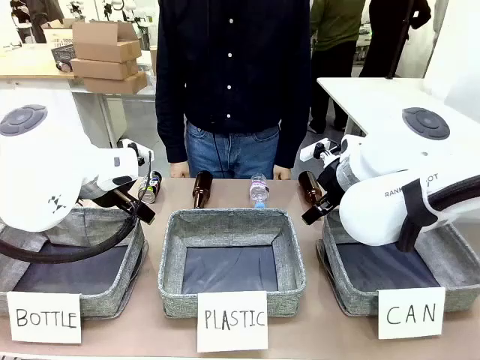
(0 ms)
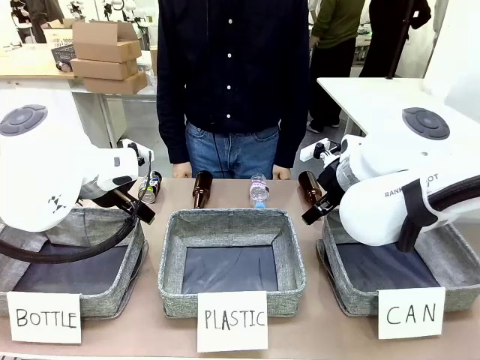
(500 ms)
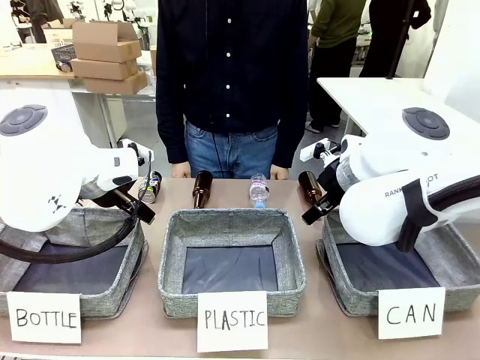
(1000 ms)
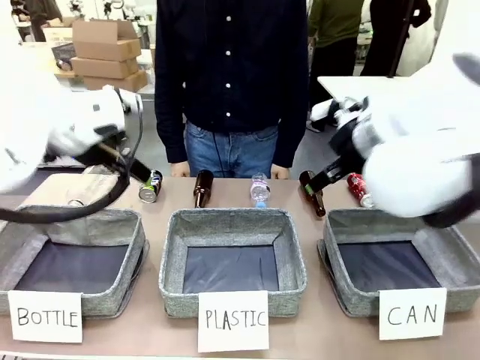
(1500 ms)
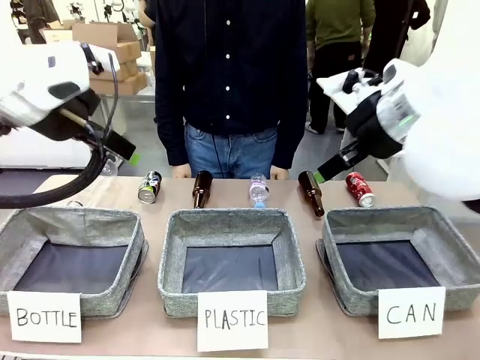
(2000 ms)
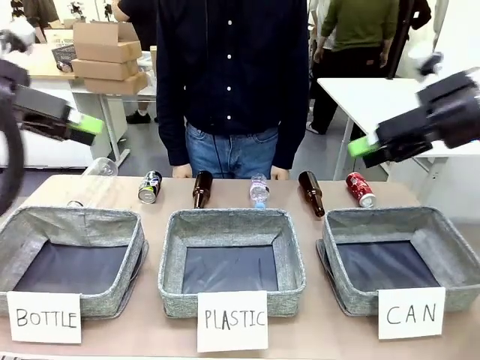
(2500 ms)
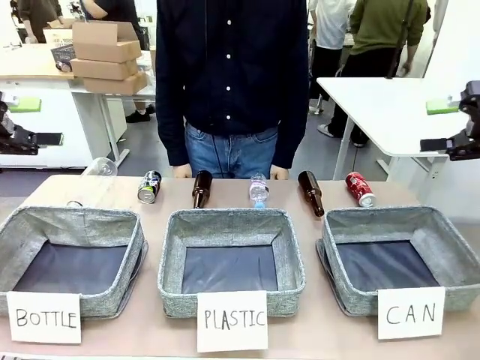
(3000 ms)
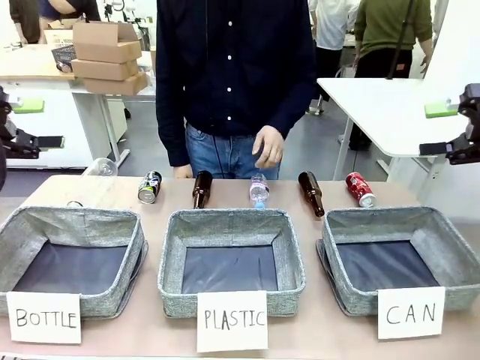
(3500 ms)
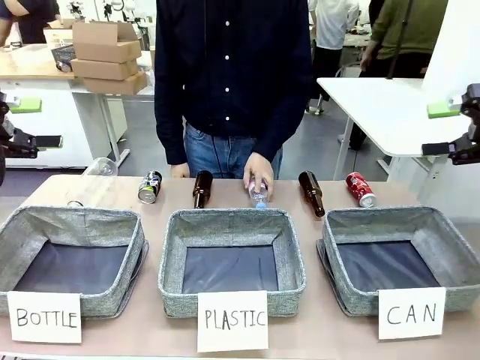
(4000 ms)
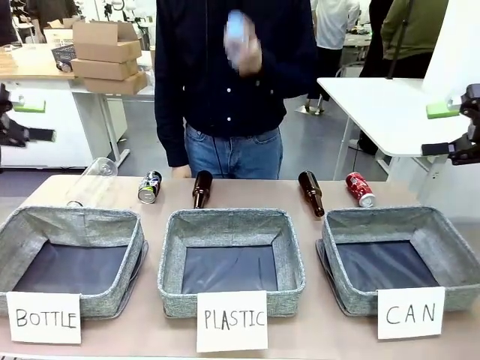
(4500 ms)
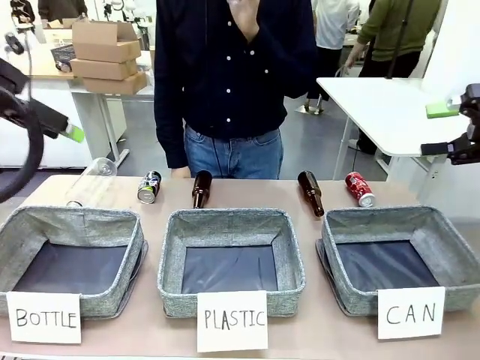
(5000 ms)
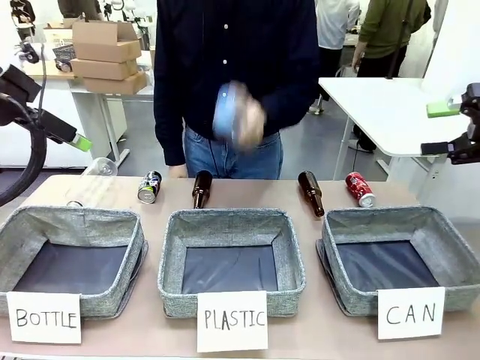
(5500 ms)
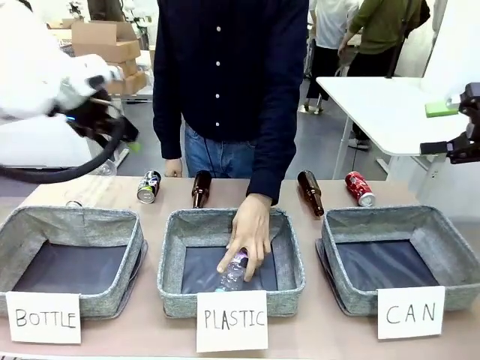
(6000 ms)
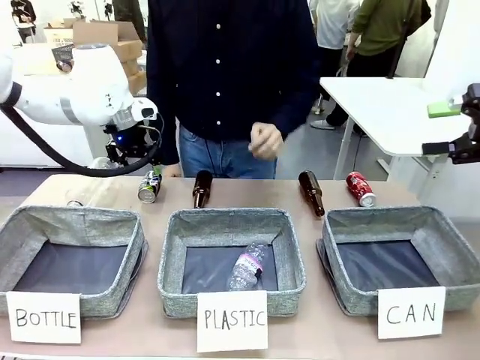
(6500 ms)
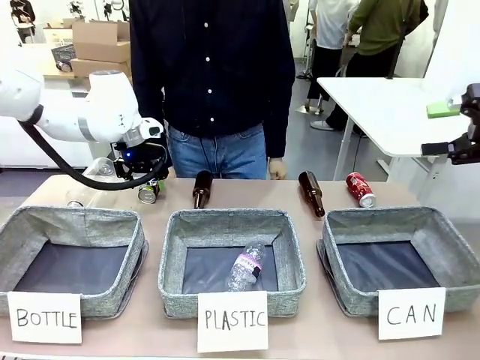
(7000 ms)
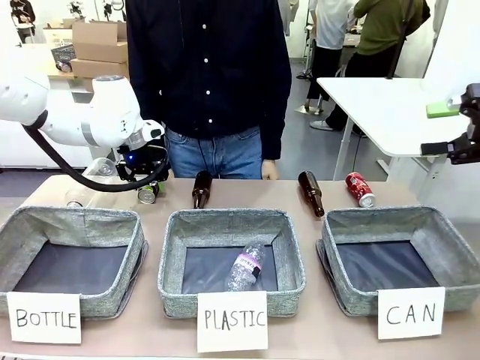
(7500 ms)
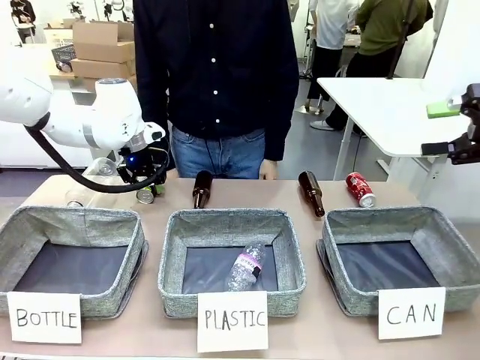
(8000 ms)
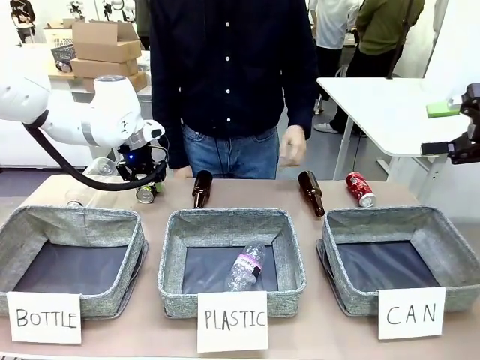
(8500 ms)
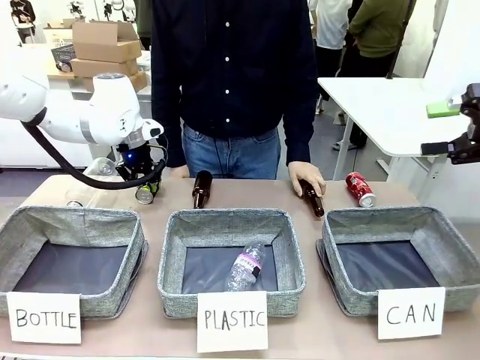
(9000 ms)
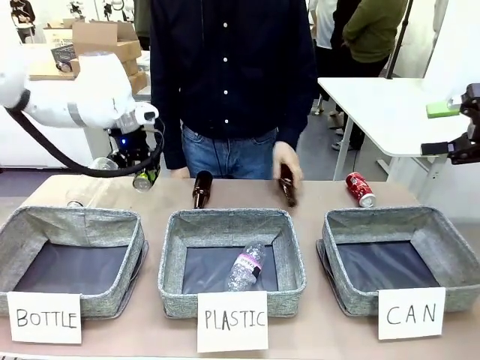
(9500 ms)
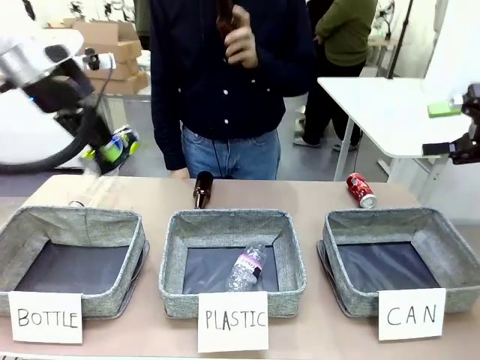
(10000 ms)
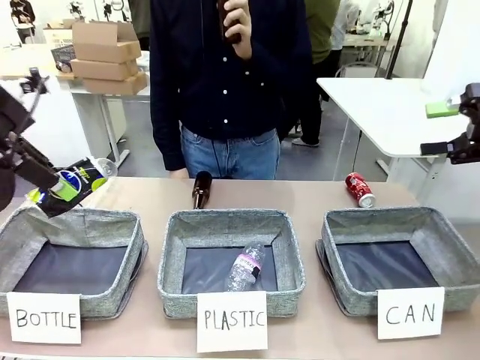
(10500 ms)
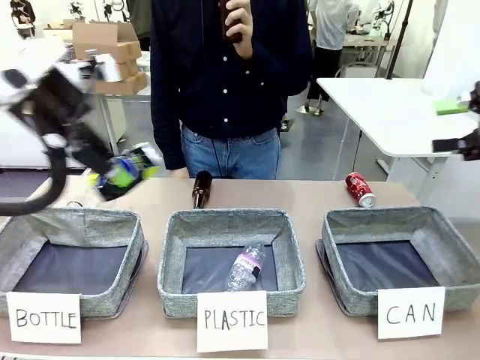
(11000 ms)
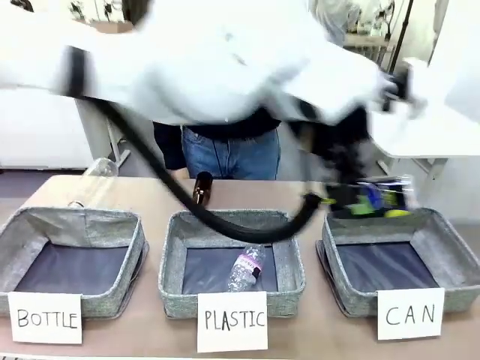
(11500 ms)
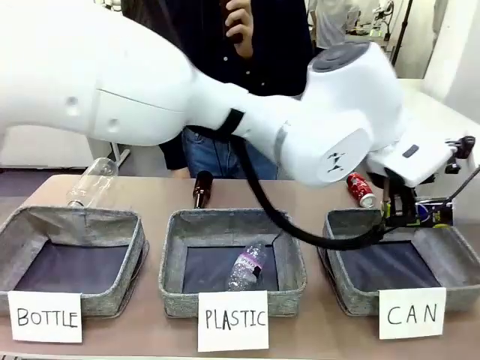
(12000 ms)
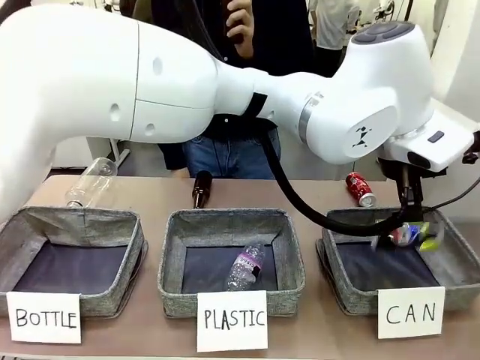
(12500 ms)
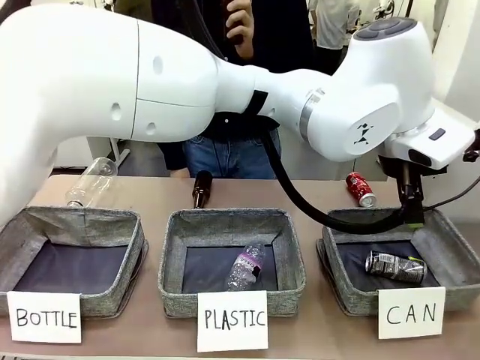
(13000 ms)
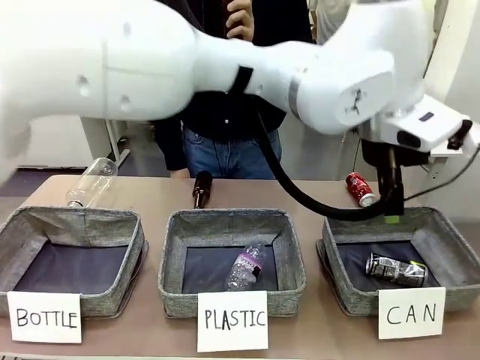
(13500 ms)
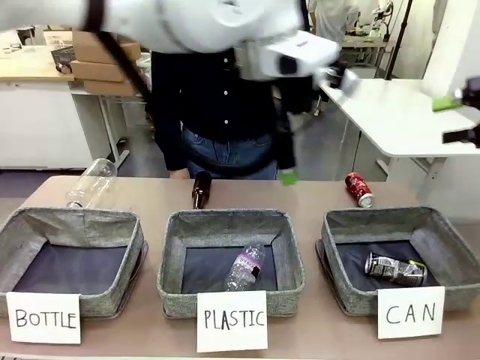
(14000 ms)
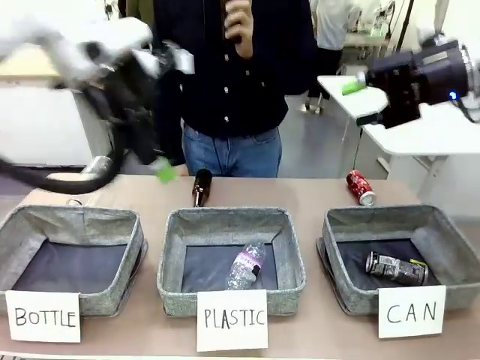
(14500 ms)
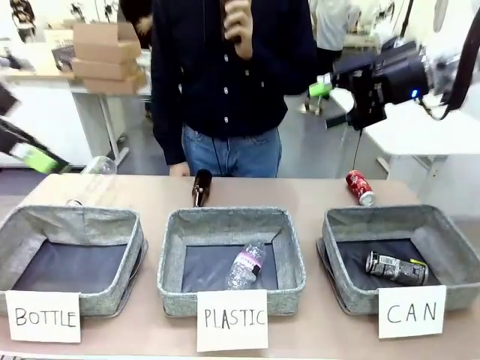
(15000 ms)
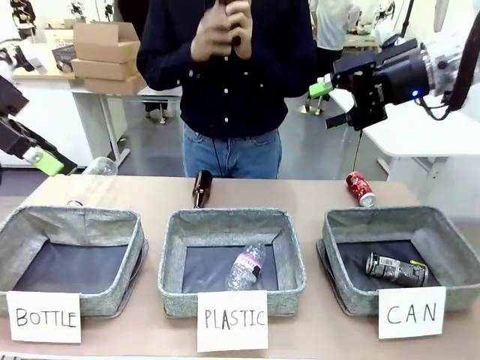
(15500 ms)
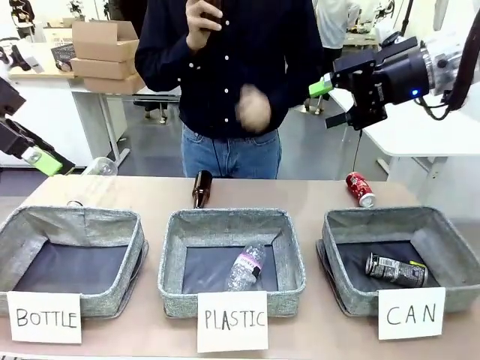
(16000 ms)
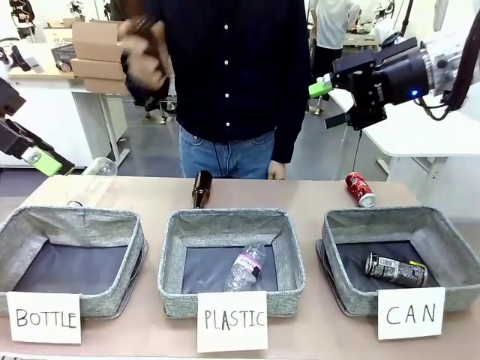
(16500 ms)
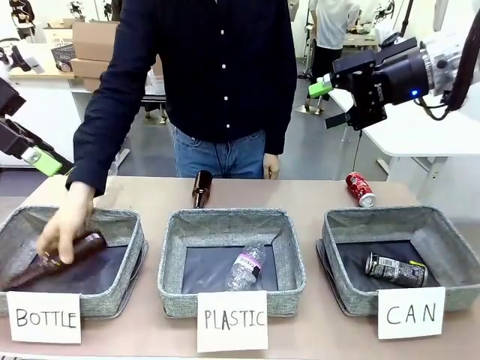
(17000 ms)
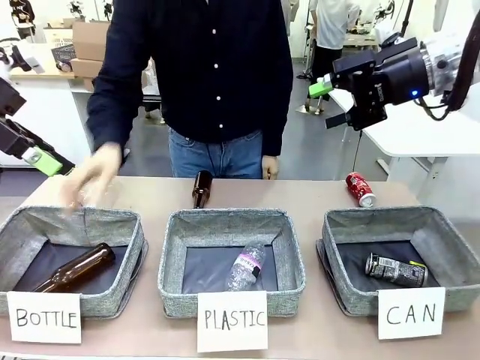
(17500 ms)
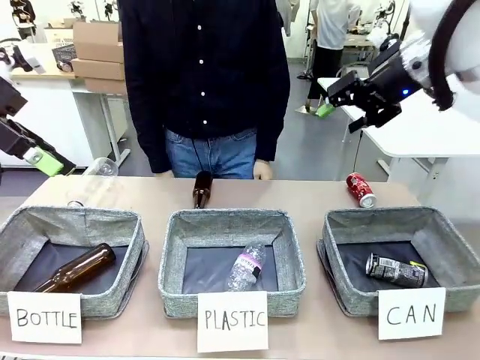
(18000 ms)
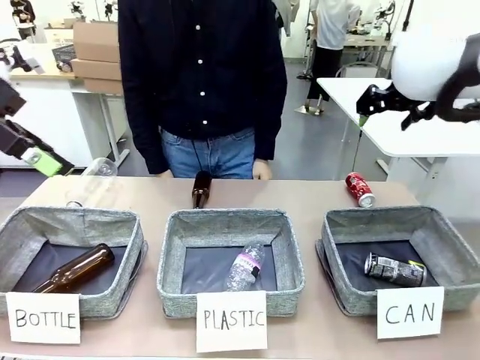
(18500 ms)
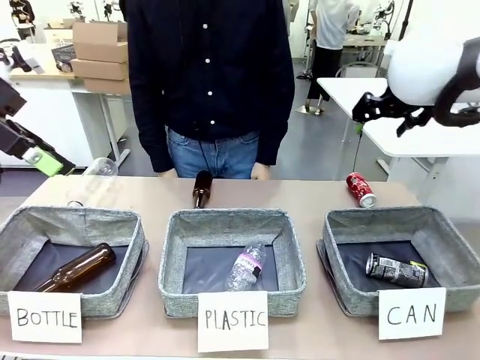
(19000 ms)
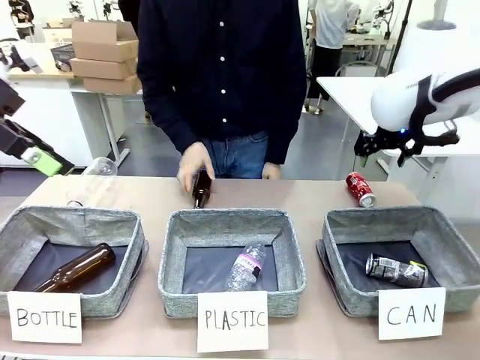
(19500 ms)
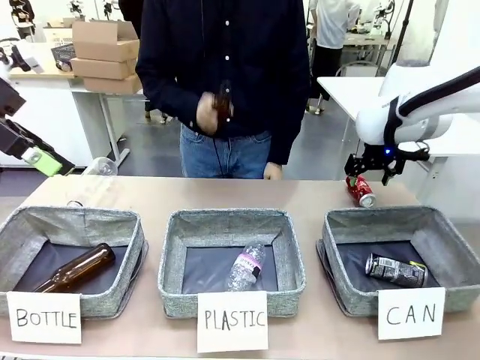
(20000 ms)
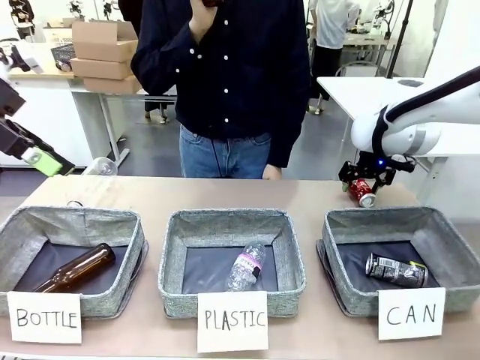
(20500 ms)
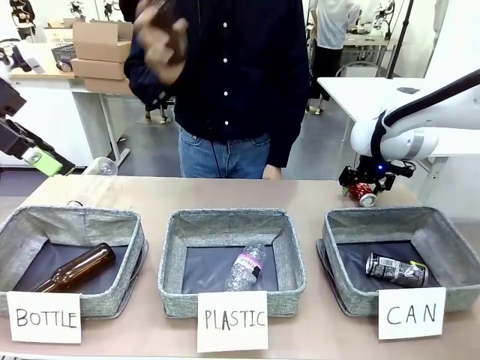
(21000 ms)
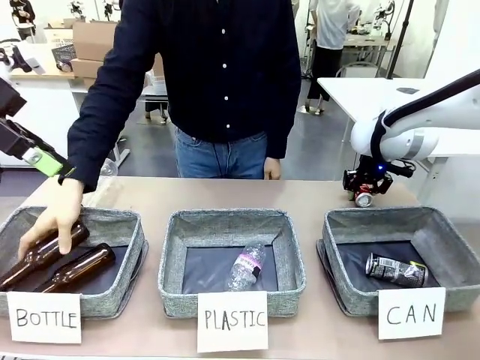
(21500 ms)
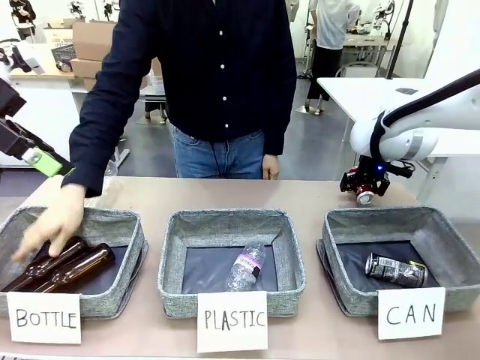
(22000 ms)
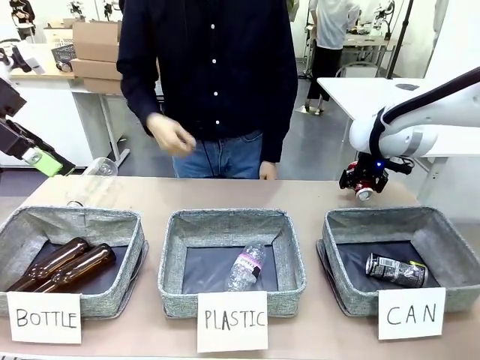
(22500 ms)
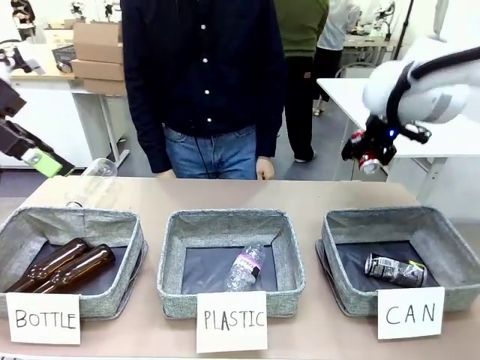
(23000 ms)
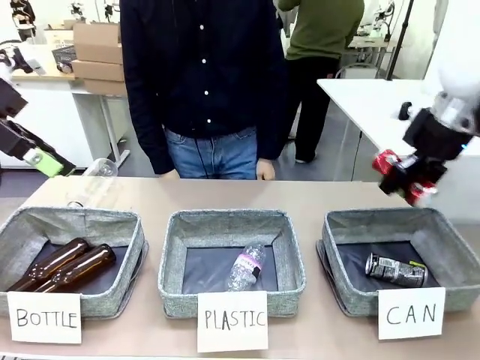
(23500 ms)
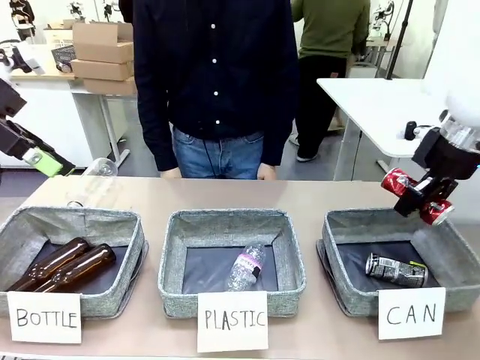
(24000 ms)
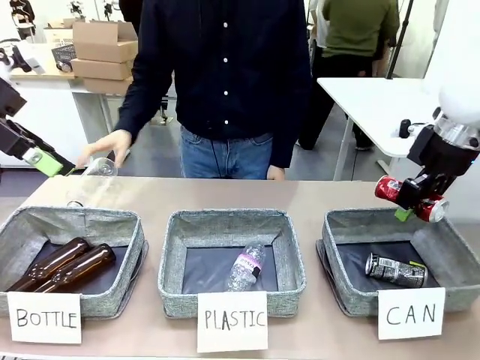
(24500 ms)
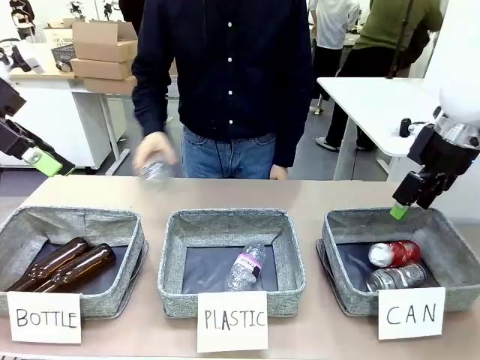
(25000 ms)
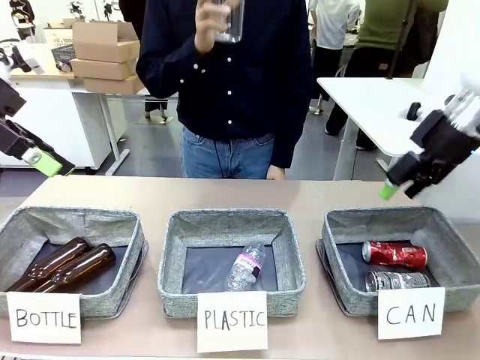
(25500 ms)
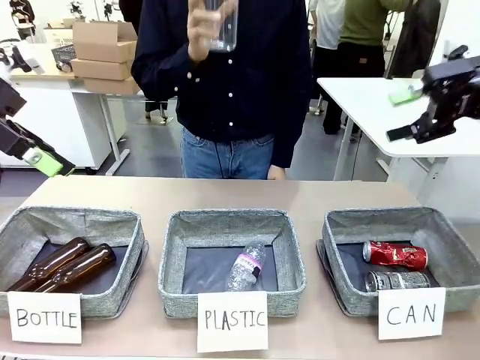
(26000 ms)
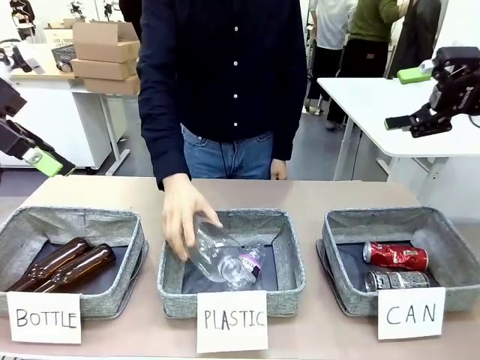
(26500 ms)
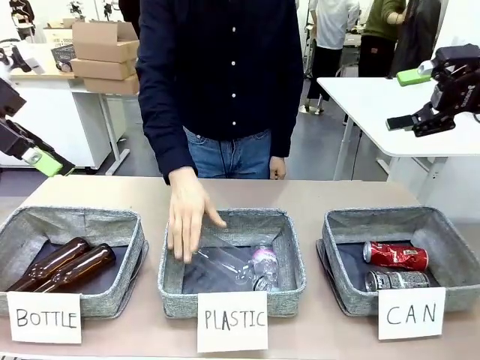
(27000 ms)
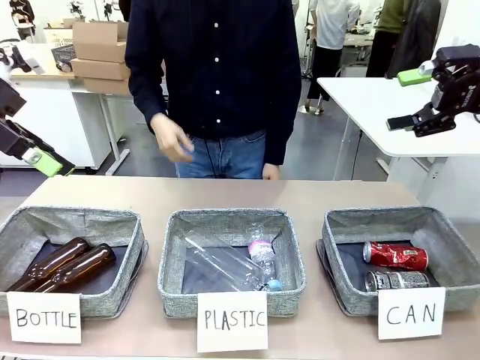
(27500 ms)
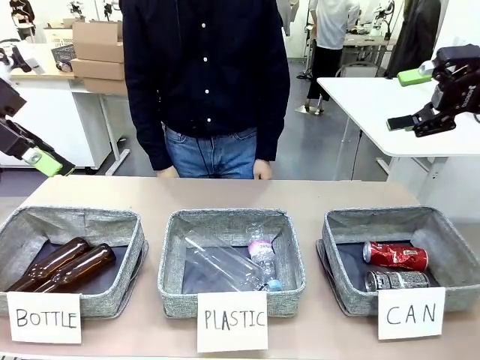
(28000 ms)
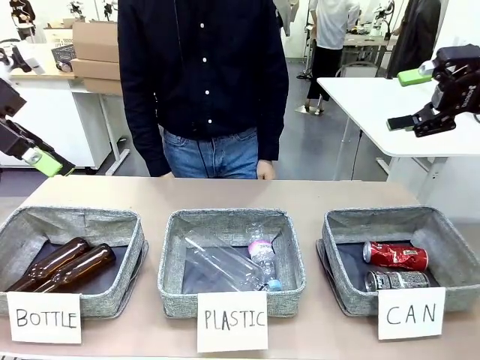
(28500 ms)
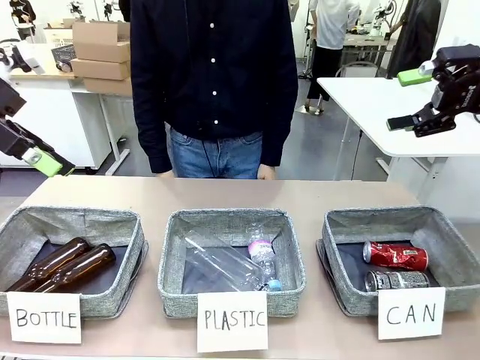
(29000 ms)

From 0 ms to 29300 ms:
Task: Sort the can waste into the basket.
Robot: Pick up the can waste from the table and place it in the right Fabric basket.
Person: The human picks up one piece of trash that is not a can and places the trash into the appropriate organizing basket.
